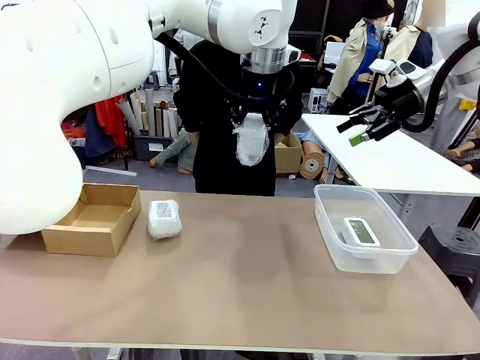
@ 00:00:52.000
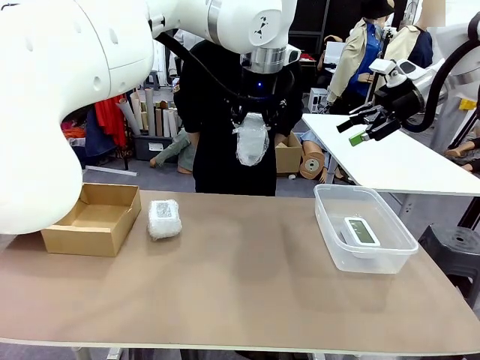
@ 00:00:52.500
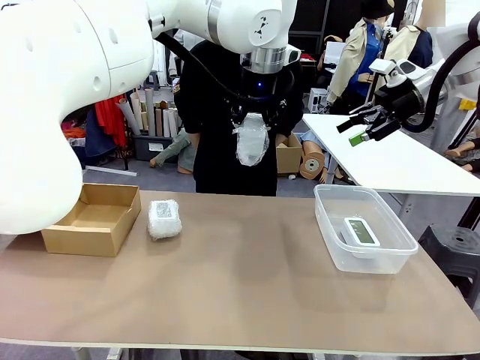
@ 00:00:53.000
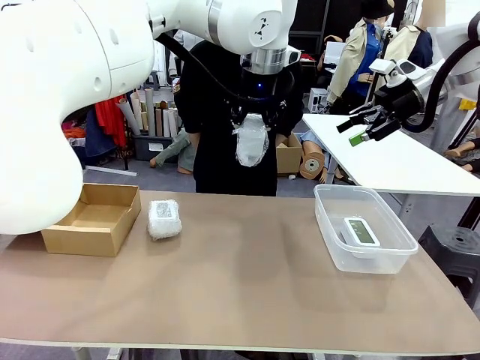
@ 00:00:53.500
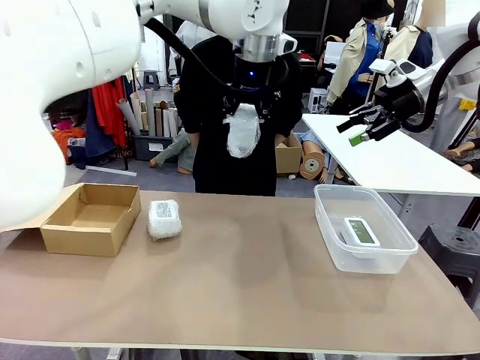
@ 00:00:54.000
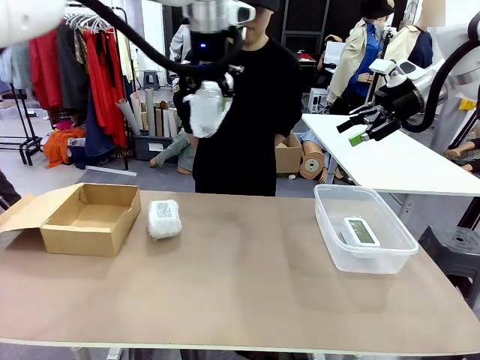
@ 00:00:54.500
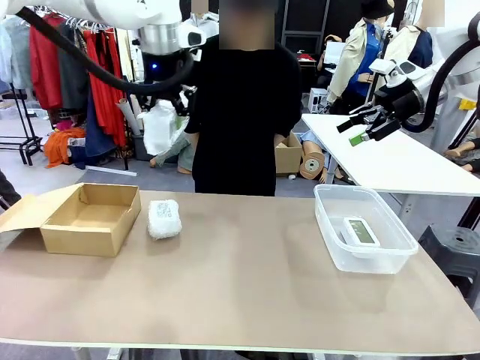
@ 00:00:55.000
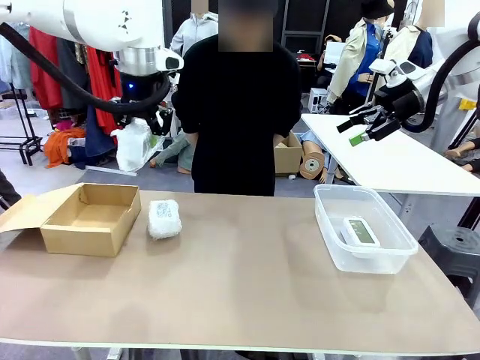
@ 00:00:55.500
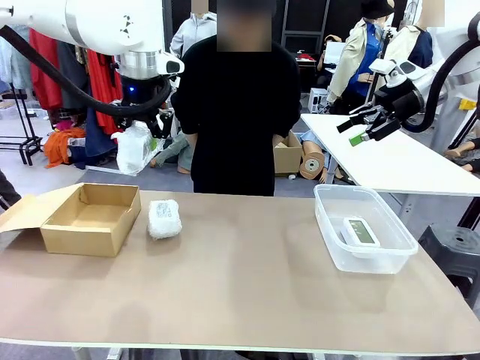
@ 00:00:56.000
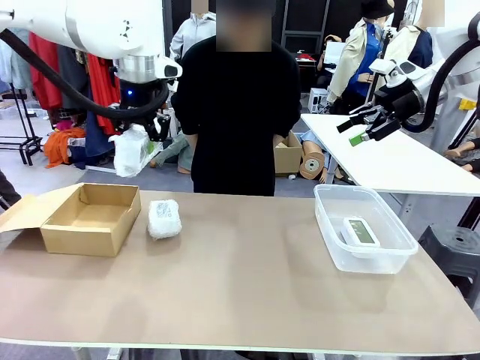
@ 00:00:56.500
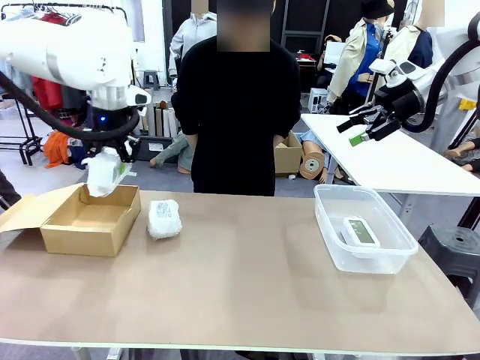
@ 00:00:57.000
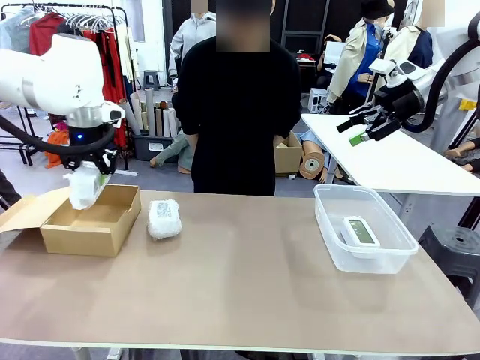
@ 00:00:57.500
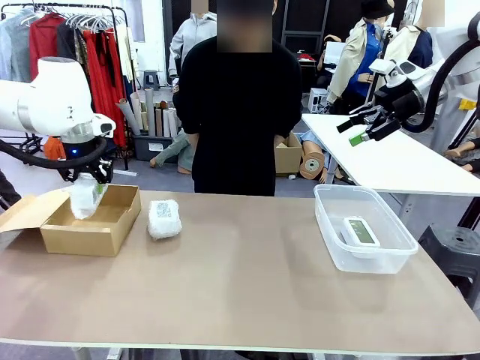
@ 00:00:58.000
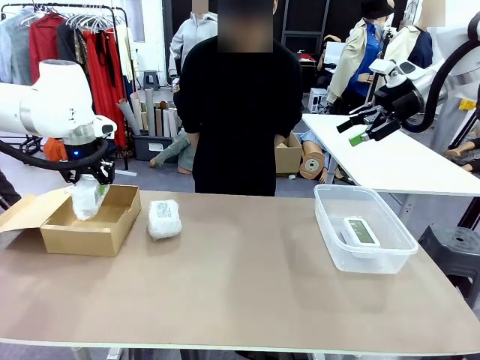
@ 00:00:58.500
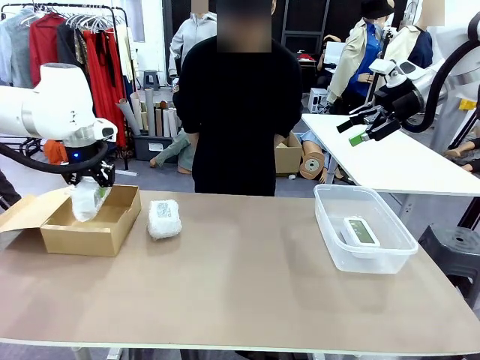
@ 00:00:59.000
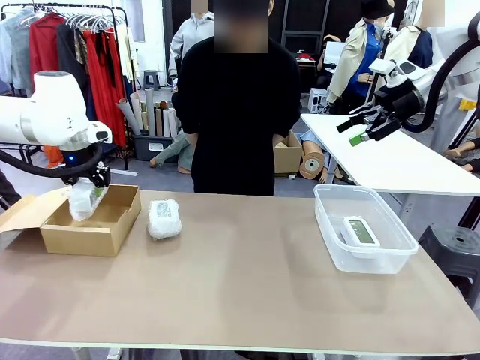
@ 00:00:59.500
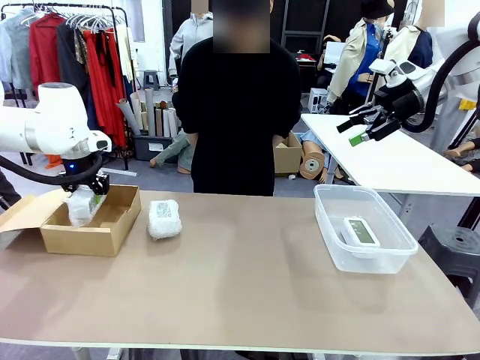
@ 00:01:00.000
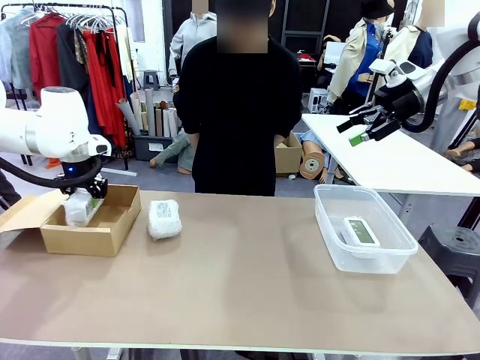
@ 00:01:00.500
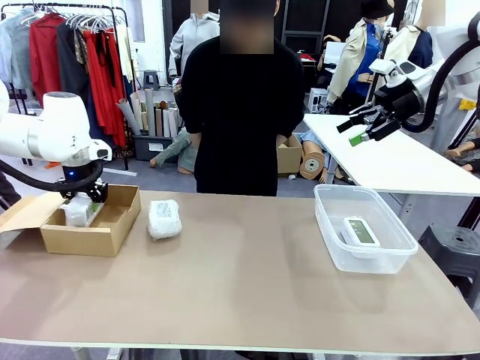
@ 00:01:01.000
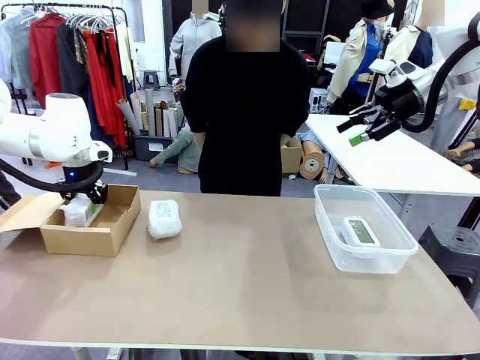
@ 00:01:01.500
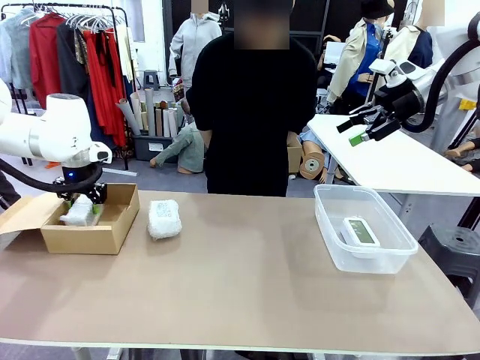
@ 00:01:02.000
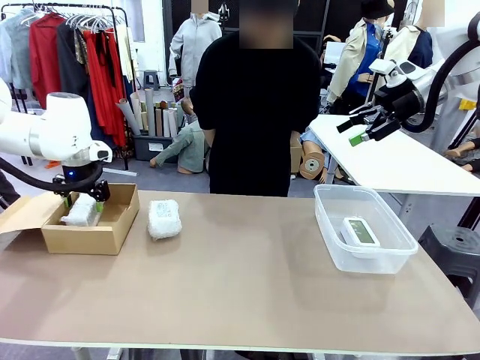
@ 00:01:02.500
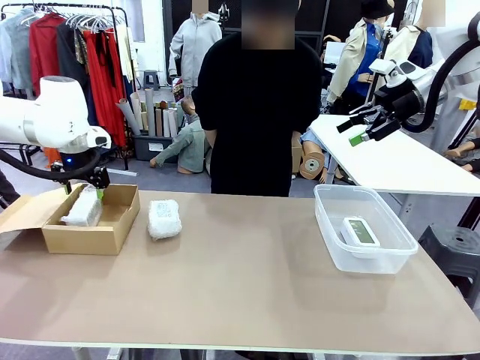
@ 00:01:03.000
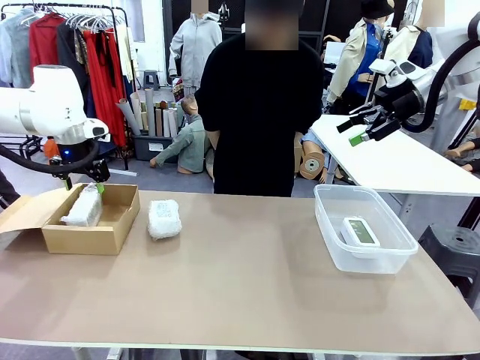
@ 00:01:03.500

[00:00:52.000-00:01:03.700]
Task: Separate and place wrapped and unwrapped clocks.
Robot: If the picked Digital clock is wrapped, place it in the Package Box ; if not, place it in the Organizing box.

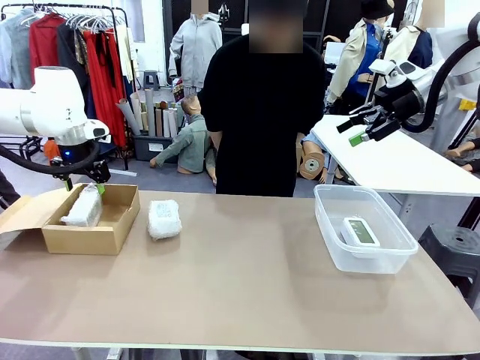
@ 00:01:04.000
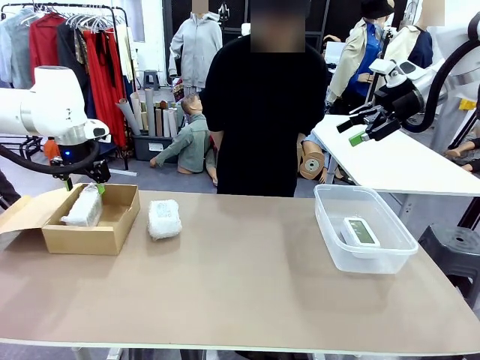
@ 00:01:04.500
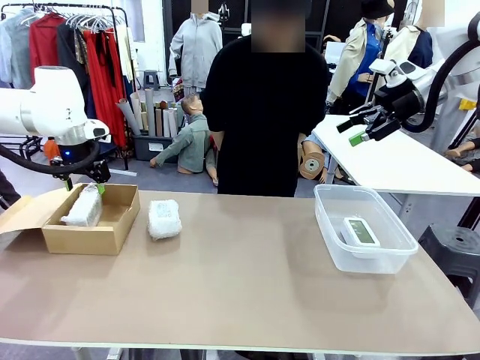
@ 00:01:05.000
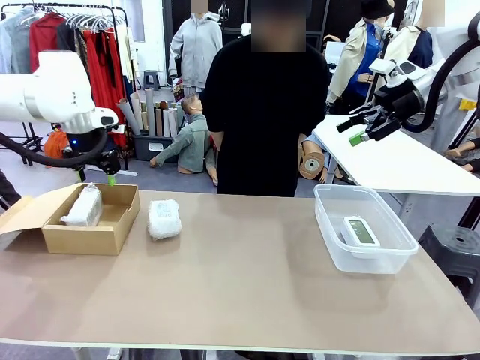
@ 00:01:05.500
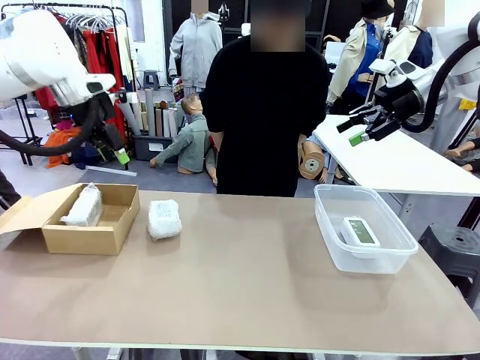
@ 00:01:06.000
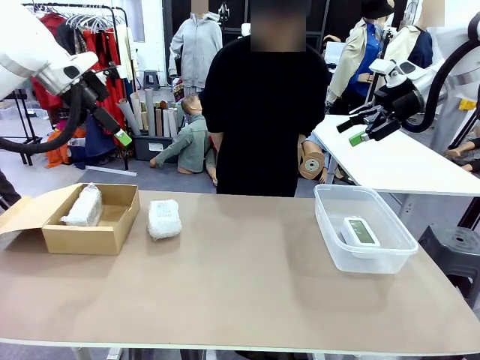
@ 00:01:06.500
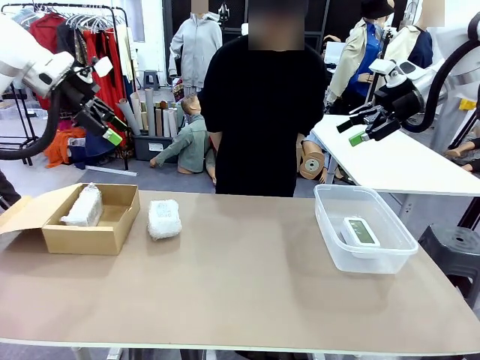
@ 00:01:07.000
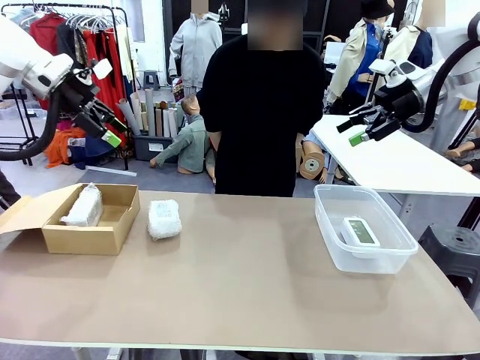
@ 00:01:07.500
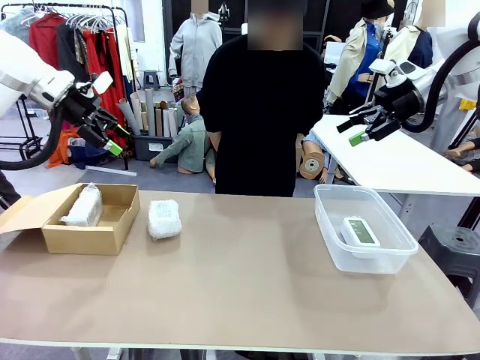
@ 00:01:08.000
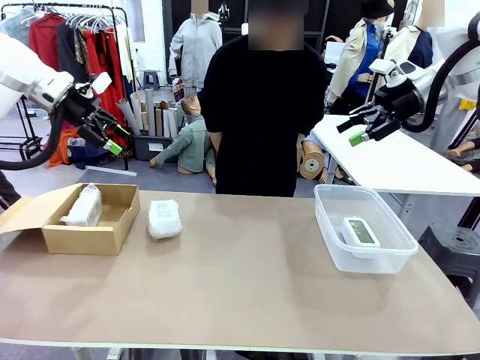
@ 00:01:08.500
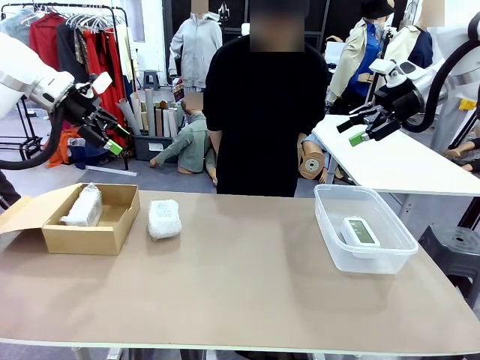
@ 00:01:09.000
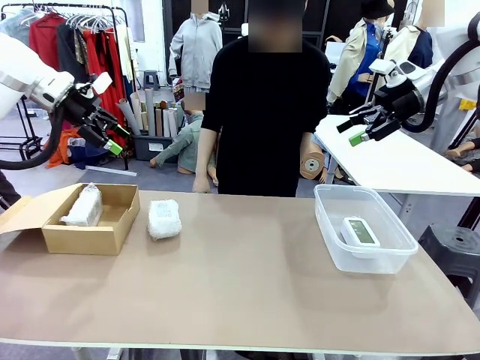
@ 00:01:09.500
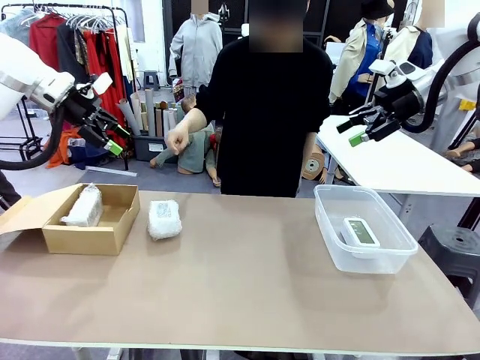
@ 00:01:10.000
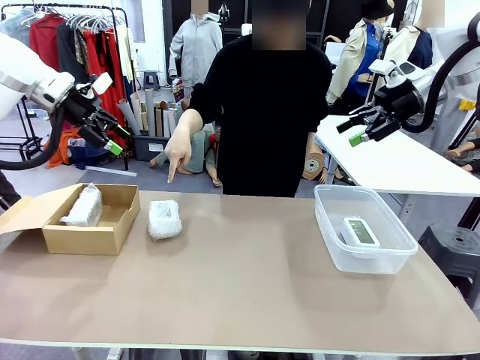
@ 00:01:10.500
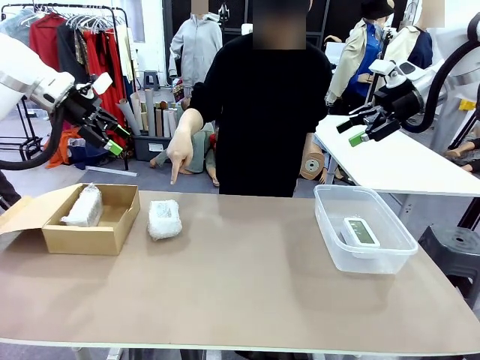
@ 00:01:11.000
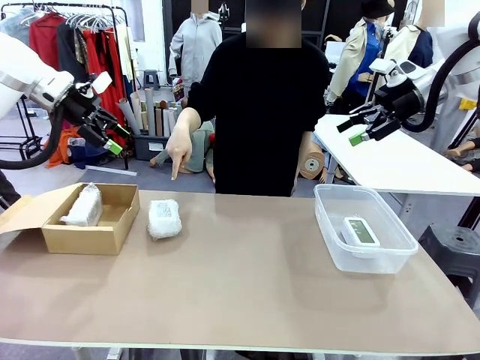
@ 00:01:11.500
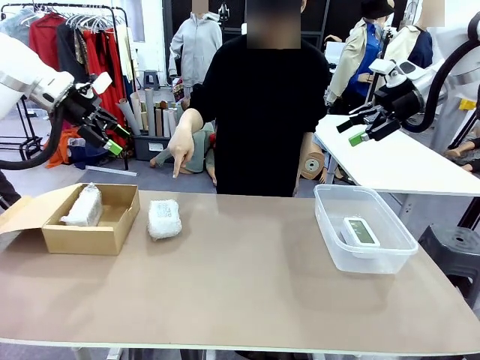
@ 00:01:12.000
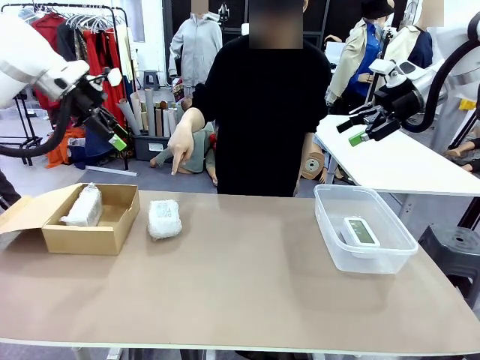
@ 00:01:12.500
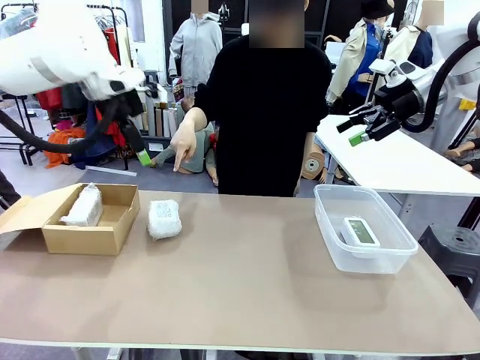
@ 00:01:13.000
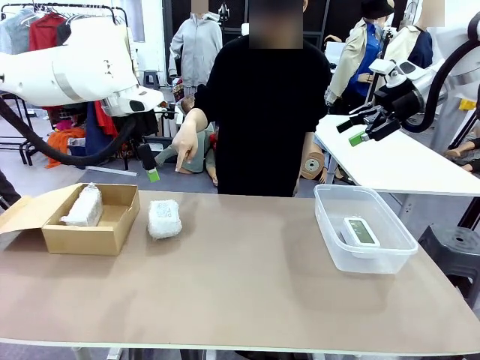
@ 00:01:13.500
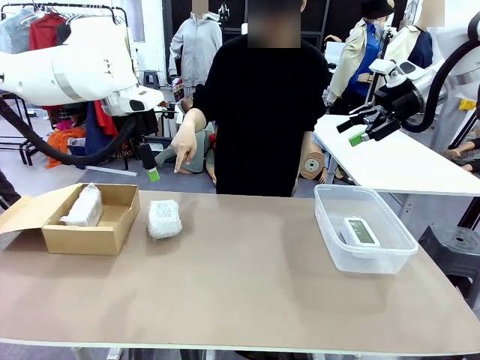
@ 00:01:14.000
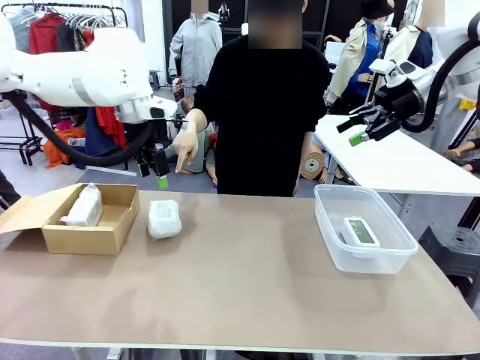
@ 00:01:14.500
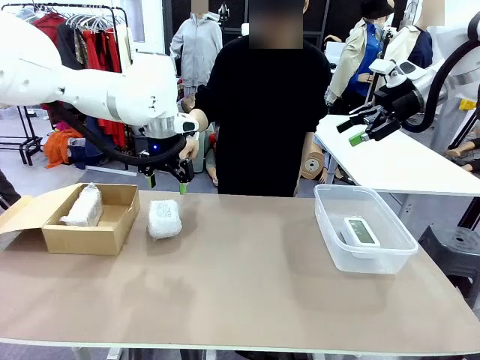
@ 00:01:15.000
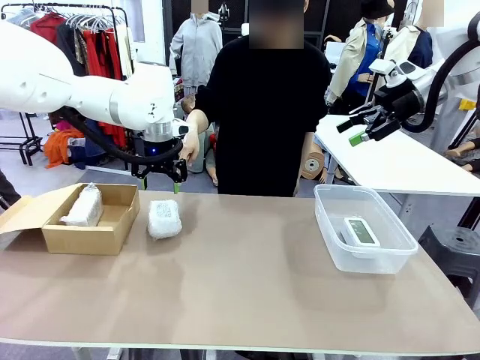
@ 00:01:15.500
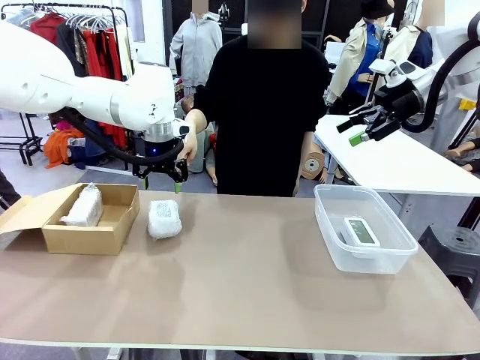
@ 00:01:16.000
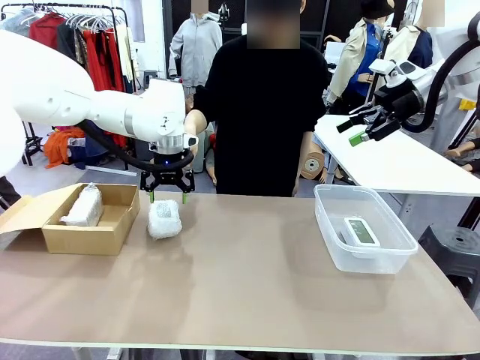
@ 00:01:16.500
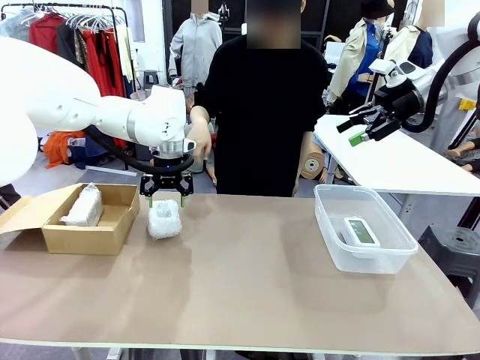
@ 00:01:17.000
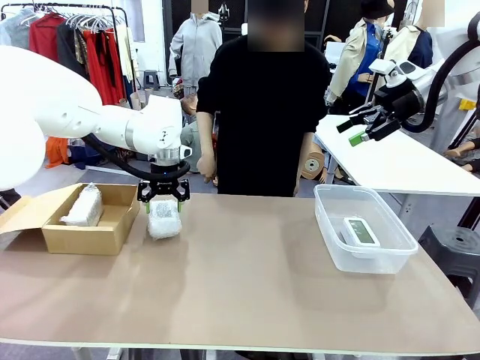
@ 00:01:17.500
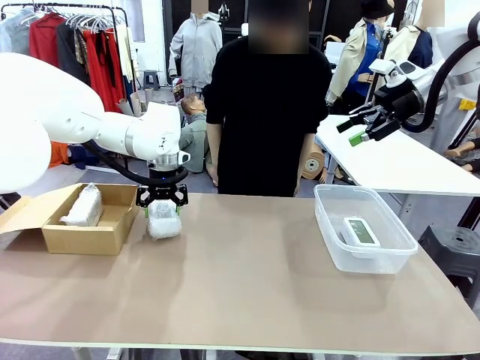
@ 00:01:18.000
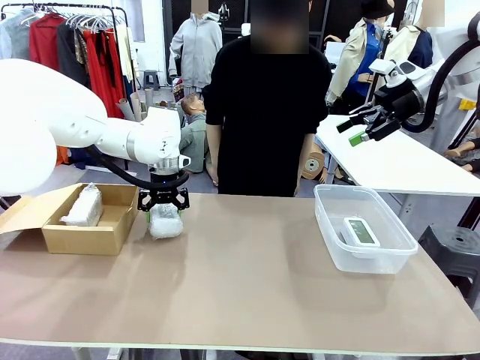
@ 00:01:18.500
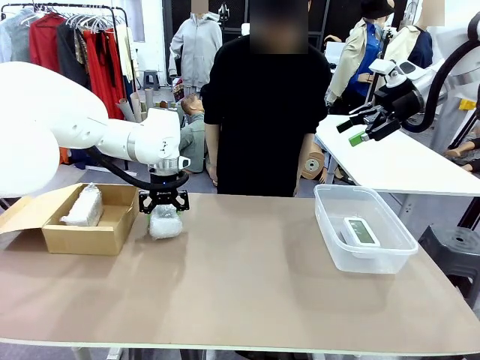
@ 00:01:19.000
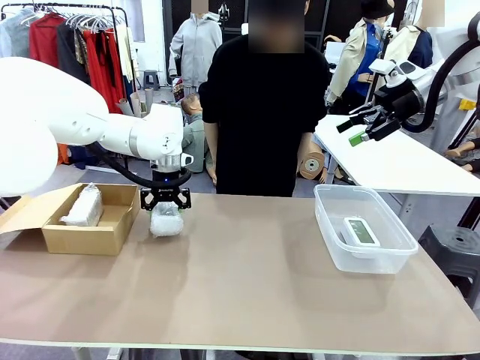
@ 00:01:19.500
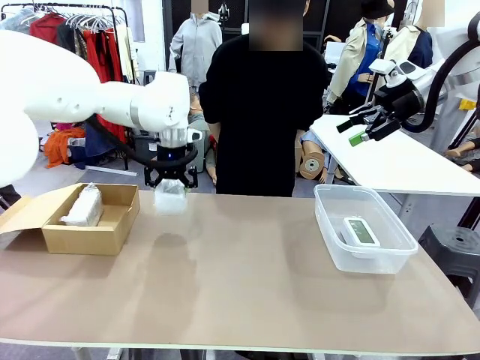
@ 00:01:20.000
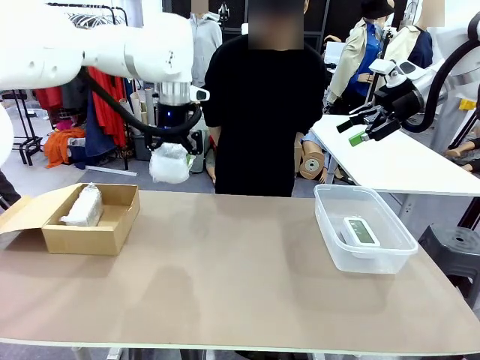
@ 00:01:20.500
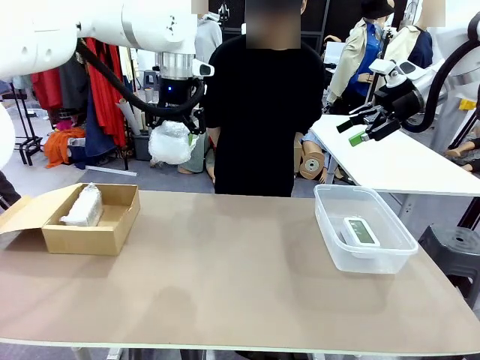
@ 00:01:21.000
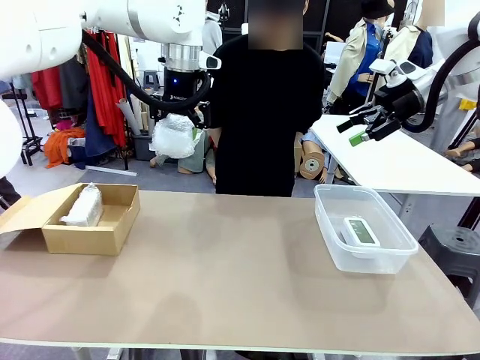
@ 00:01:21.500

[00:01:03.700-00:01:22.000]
Robot: Pick up the Digital clock indicated by the person.
